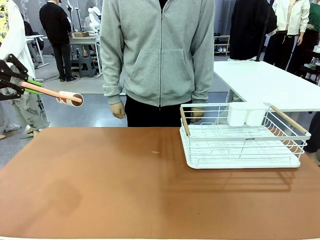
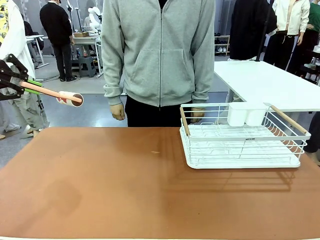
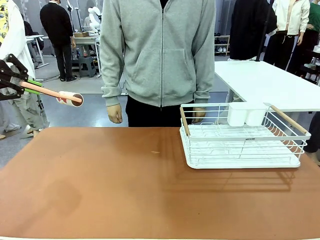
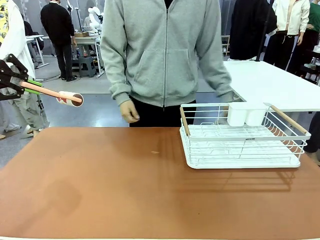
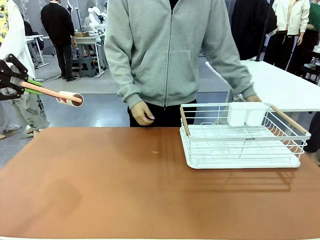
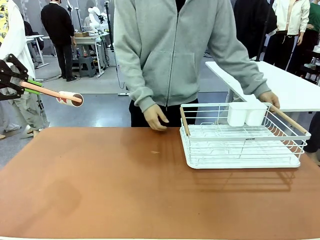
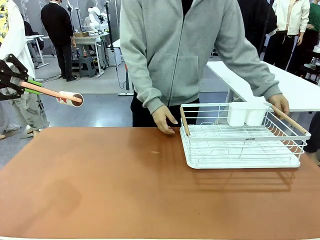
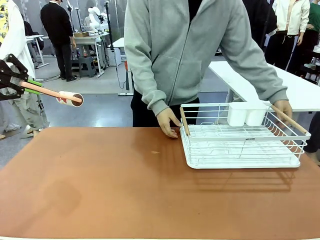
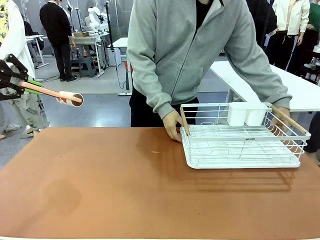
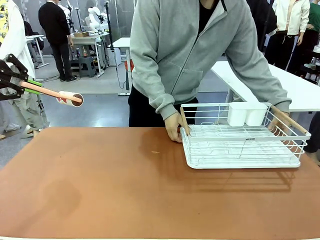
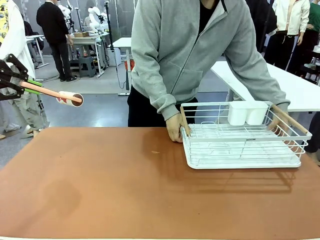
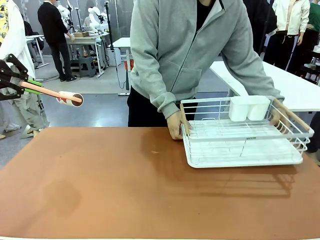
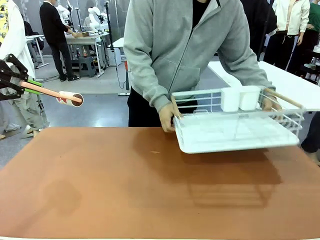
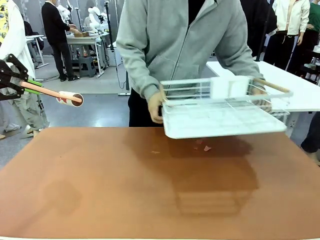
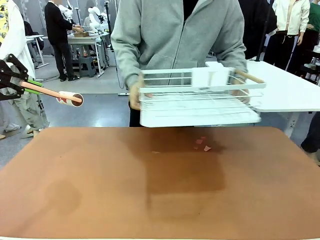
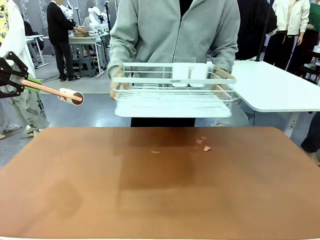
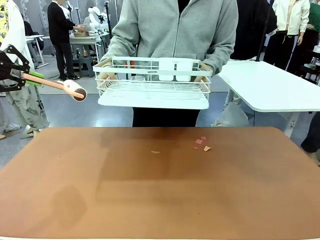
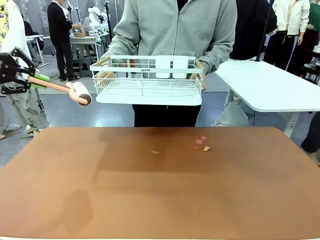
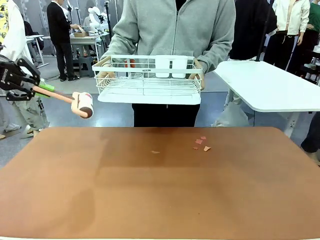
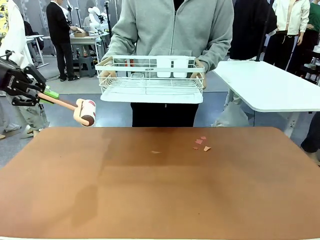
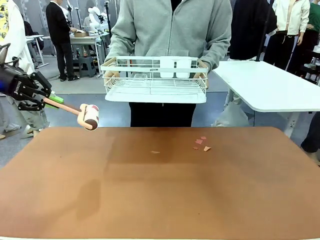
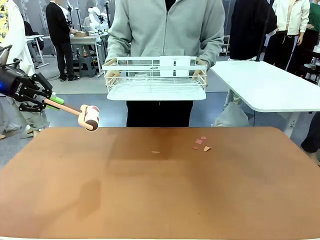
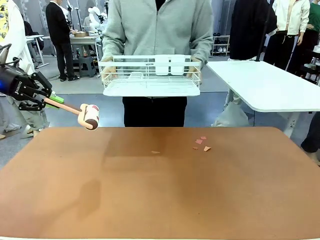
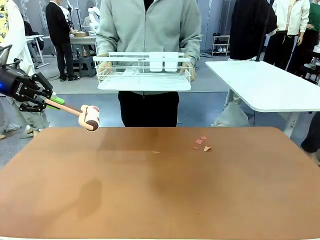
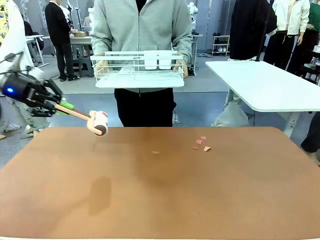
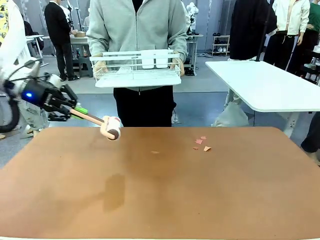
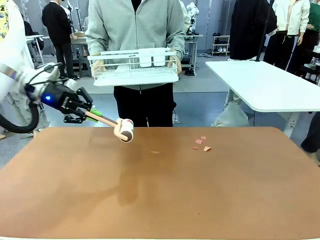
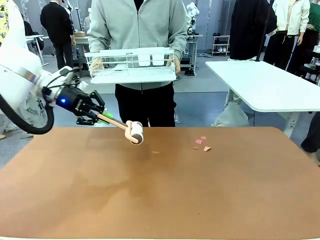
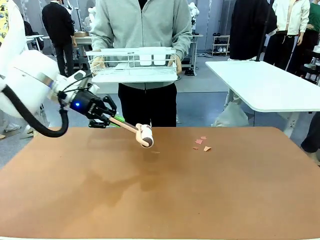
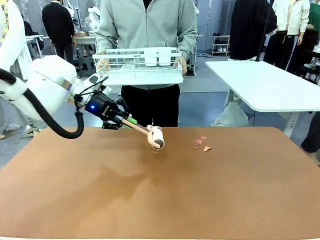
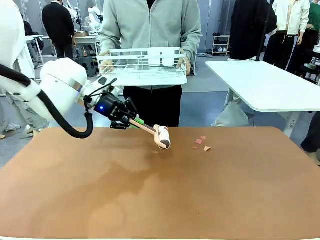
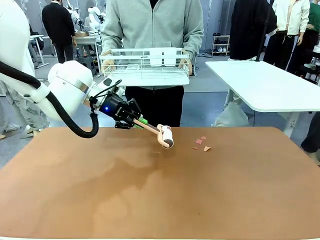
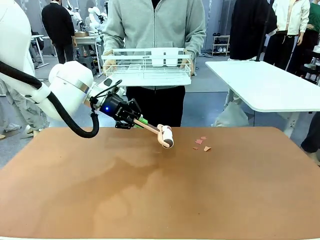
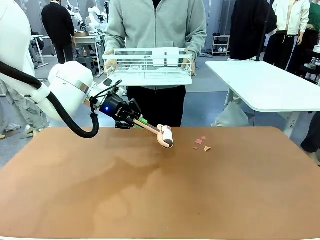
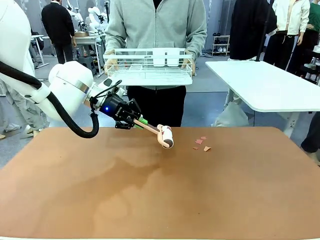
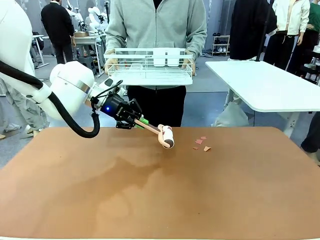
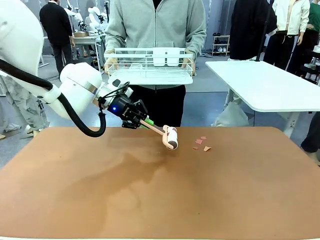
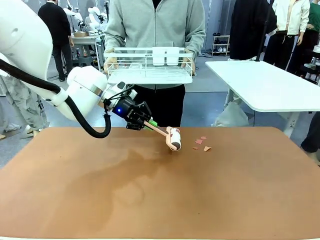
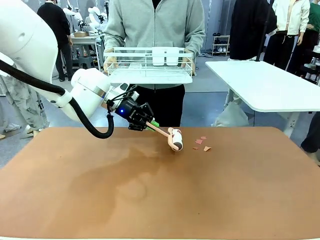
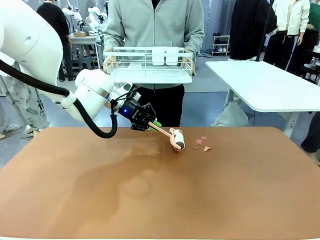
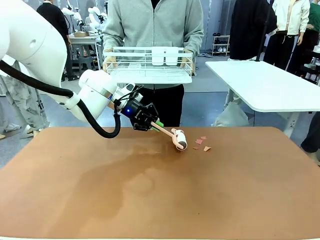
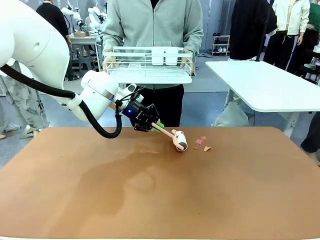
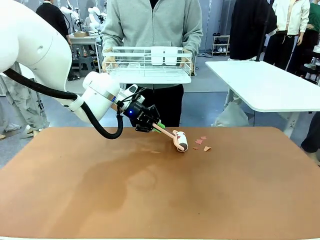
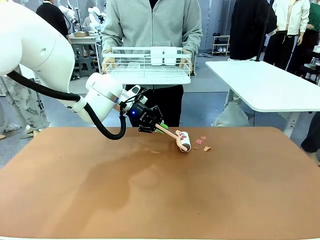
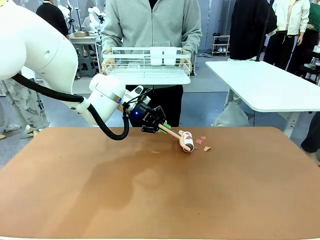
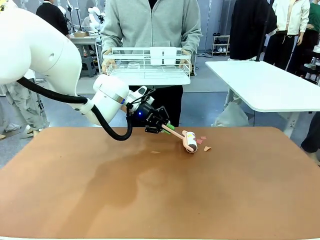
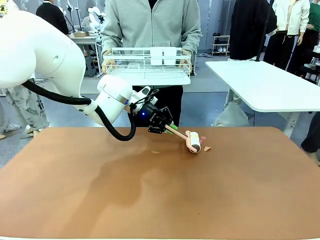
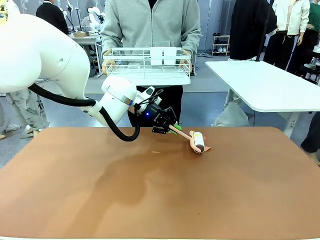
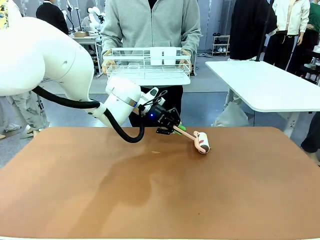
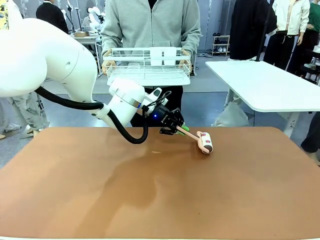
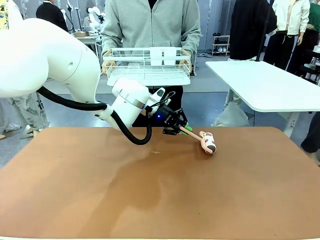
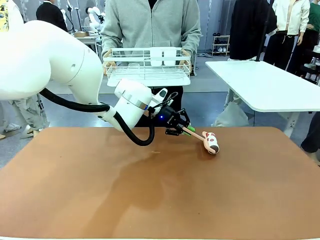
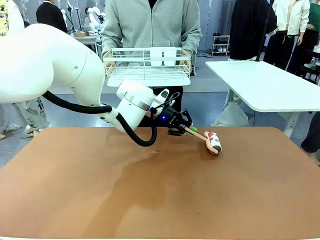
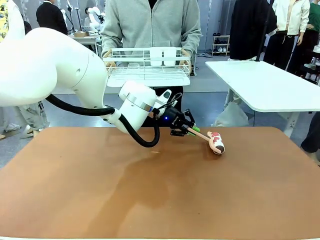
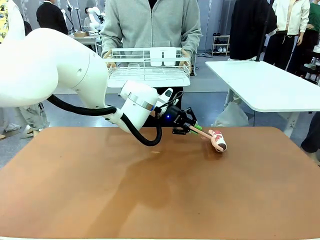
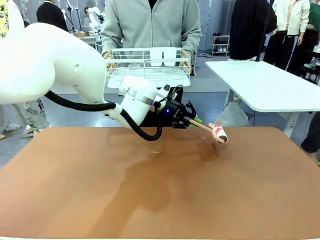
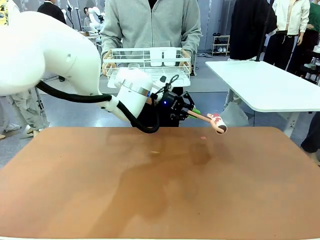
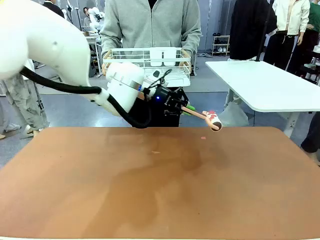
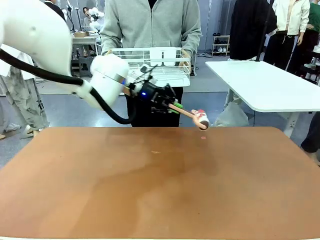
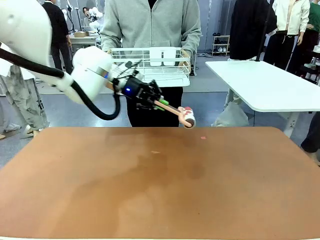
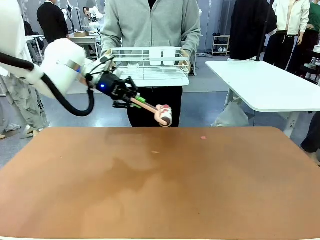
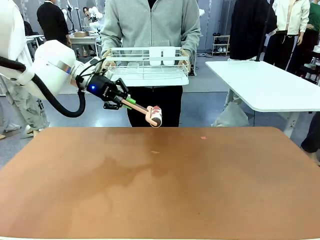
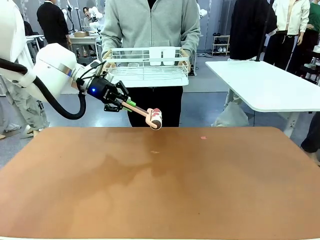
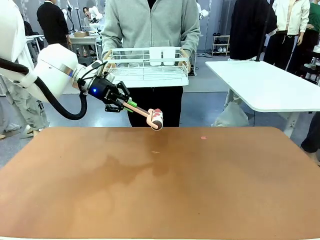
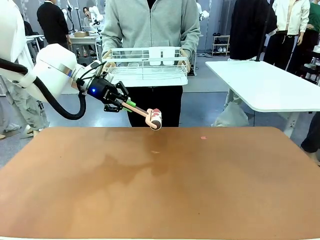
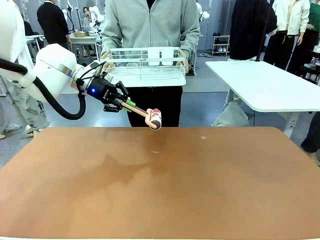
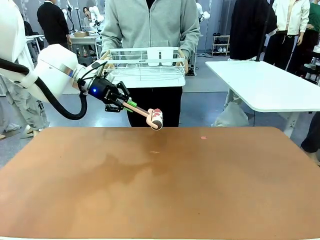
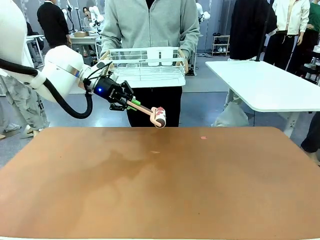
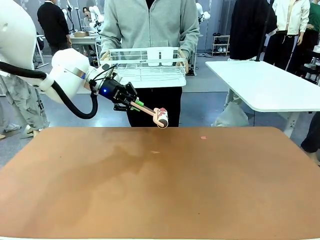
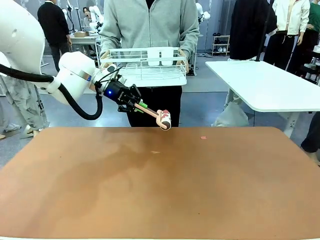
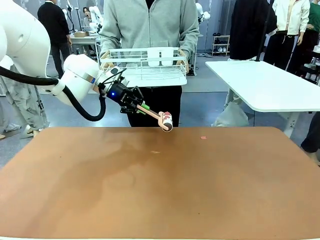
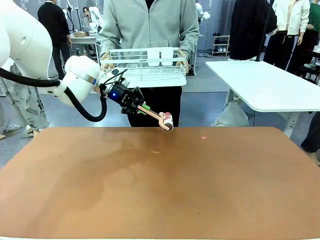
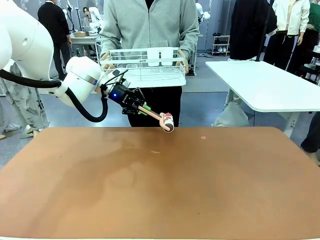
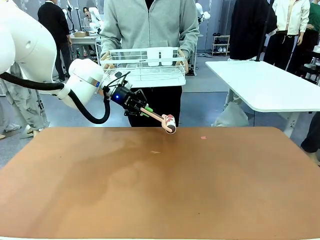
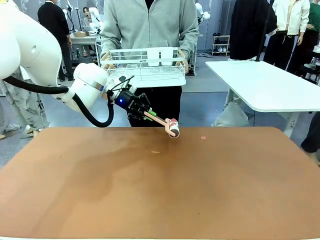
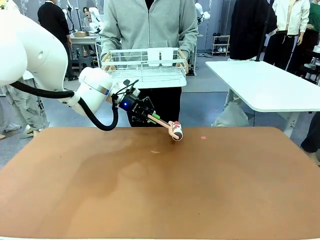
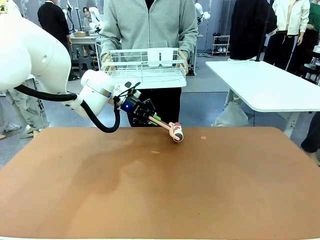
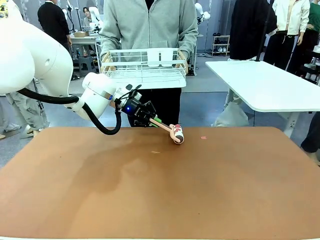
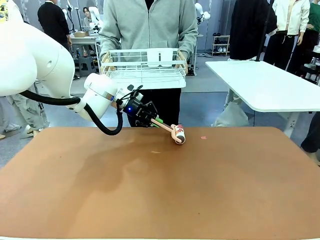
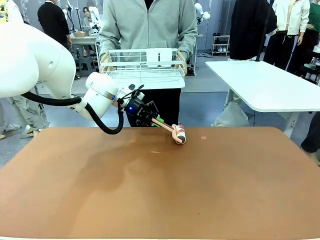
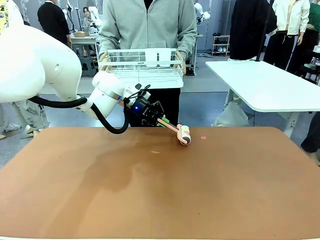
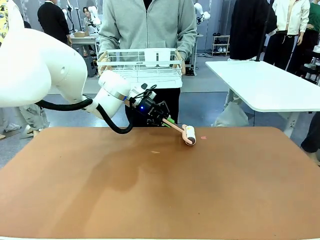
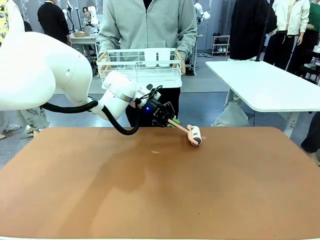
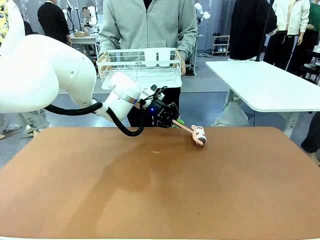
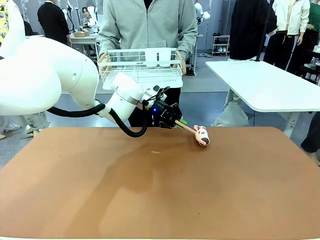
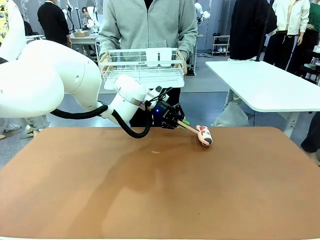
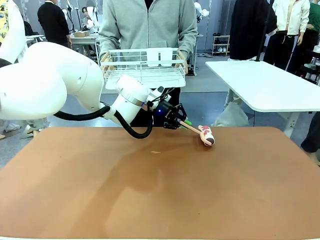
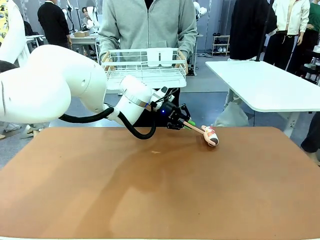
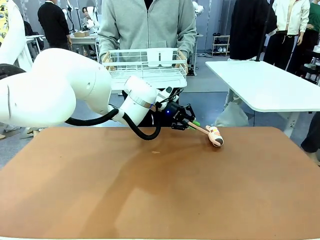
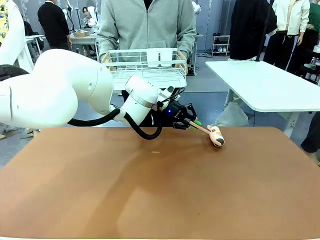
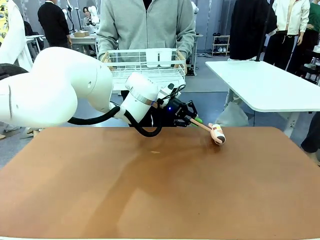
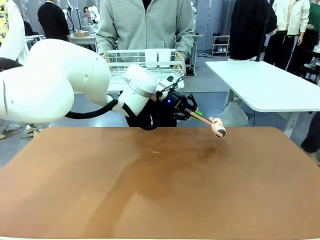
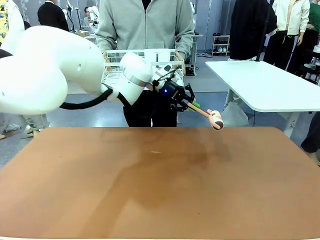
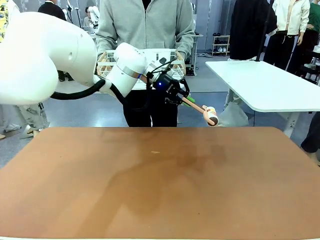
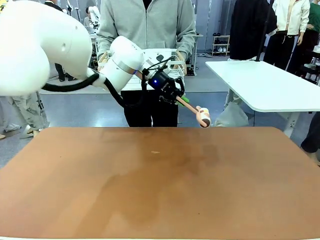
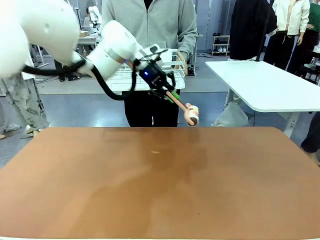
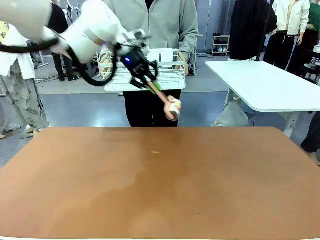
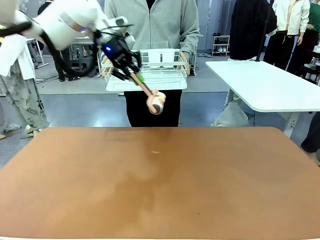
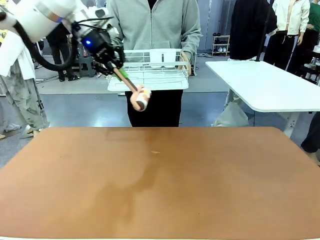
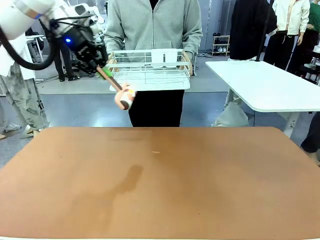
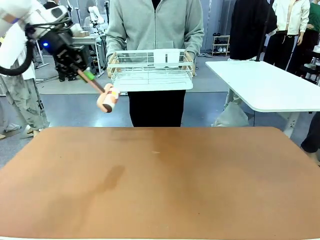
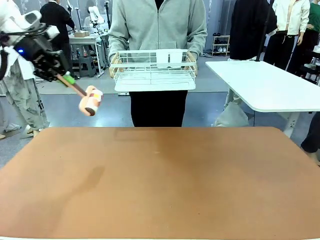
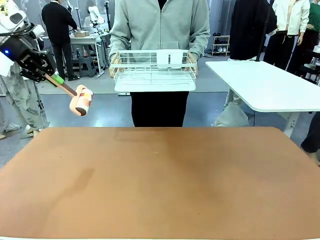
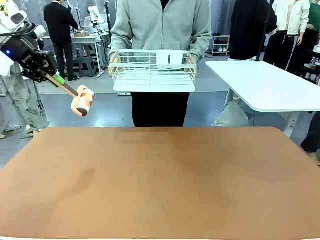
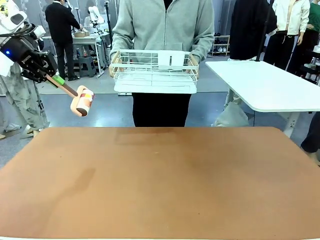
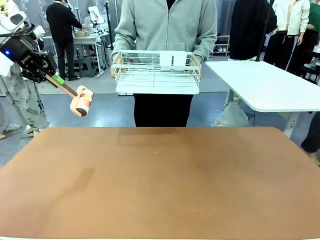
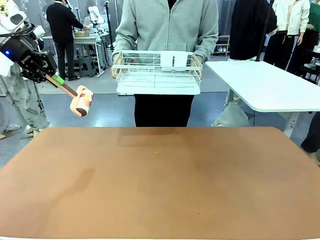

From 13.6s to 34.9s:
Task: Clean the table.
Robot: Clean the table with the Lint Roller when the human lifts the Dish drying rack.
Person: Place the Dish drying rack down when the robot finishes cleaning.
